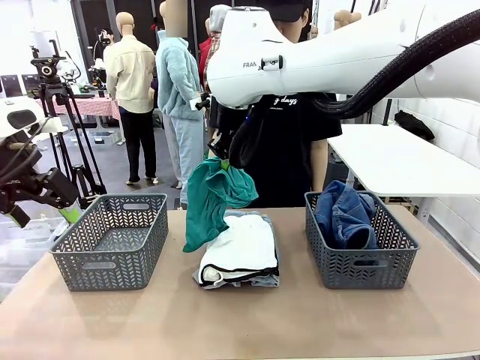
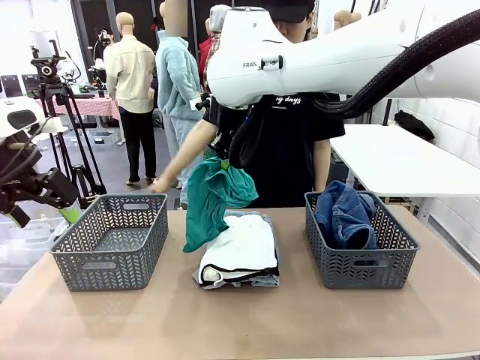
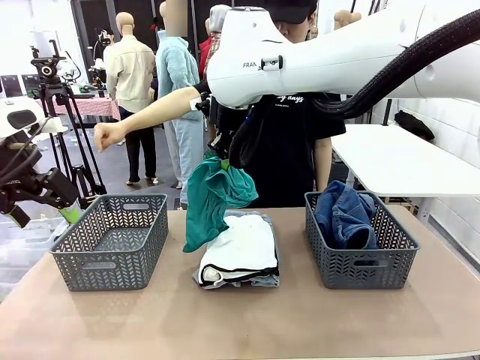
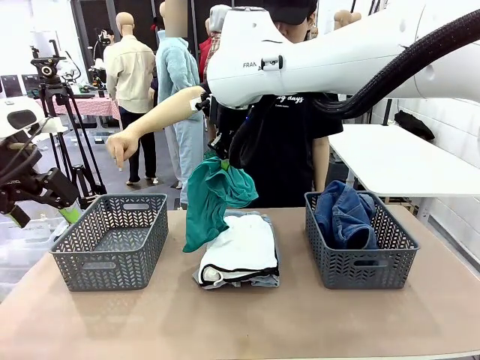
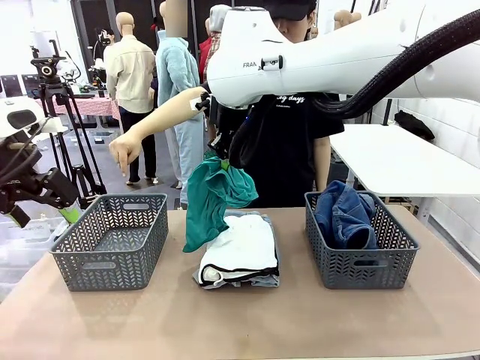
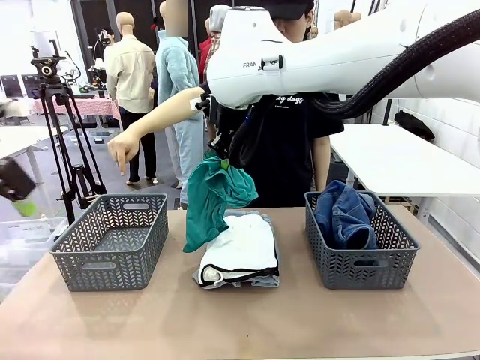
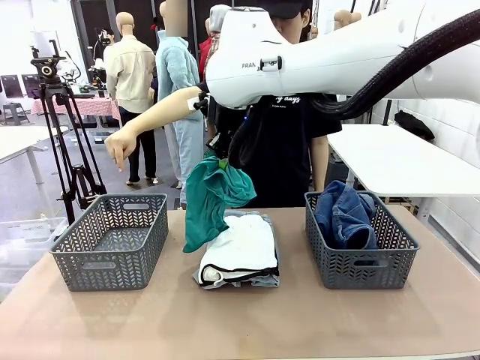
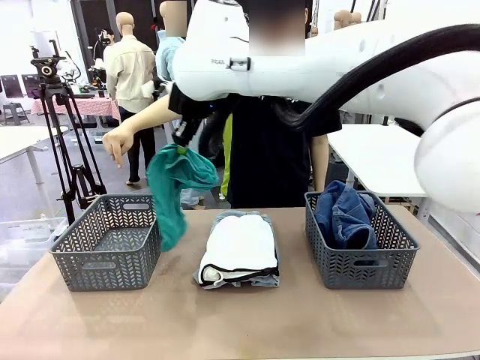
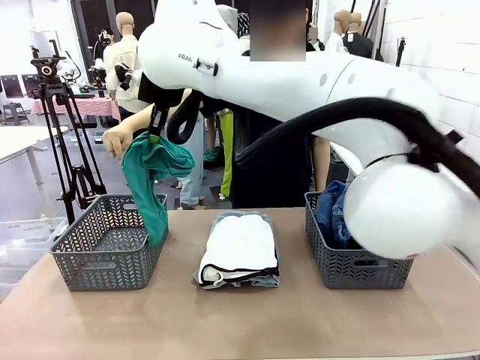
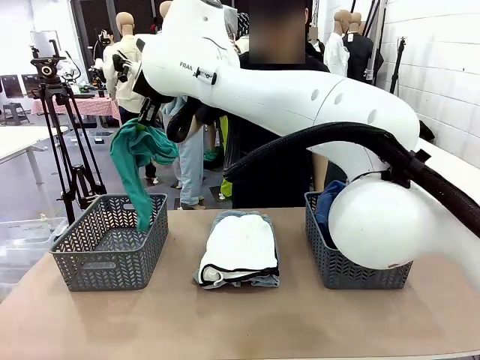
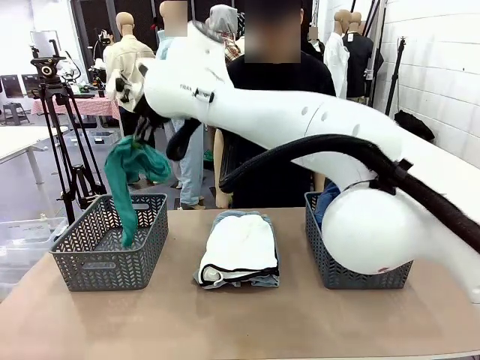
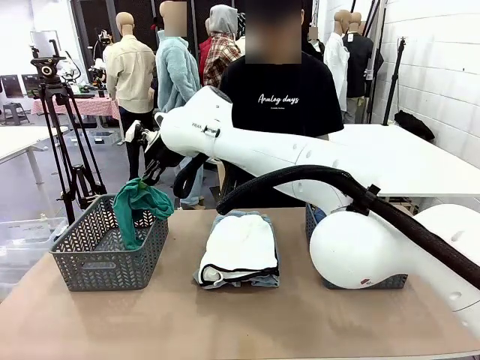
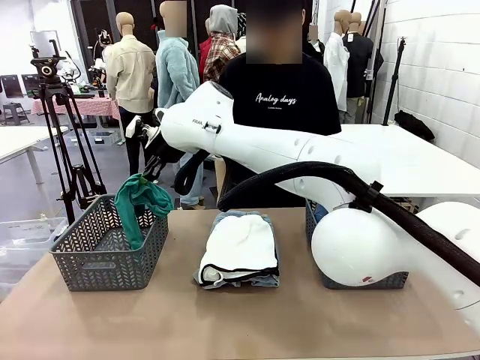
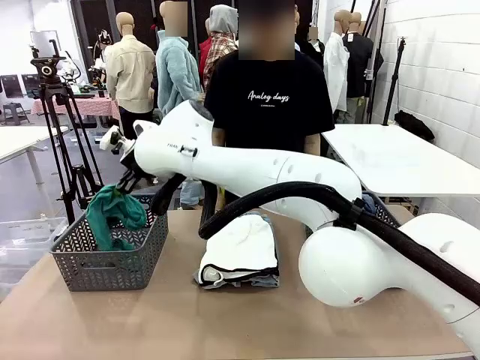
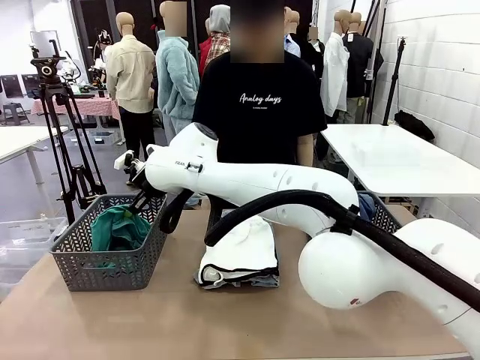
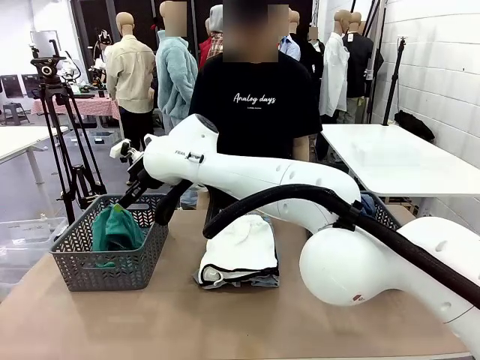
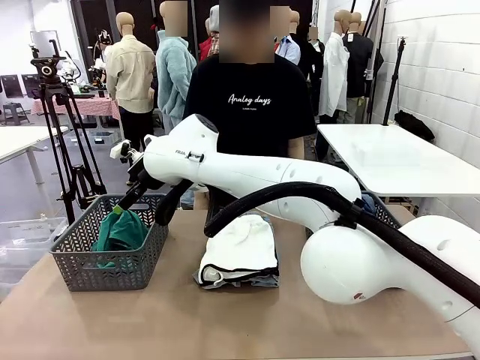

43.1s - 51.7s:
Task: Sort the tops and bottoms.
Robot: Sort the clothes according to human instructions.

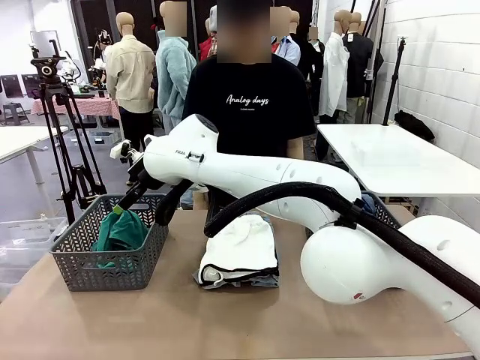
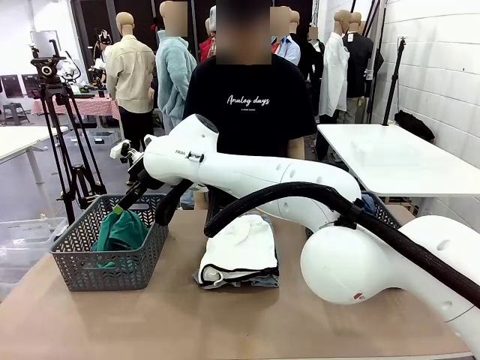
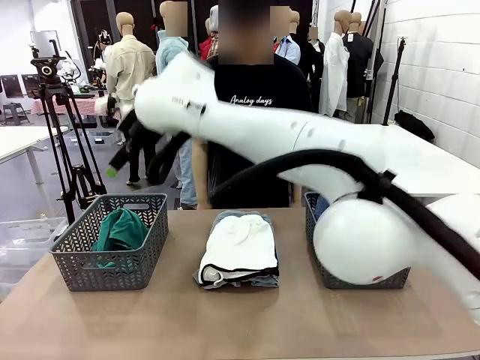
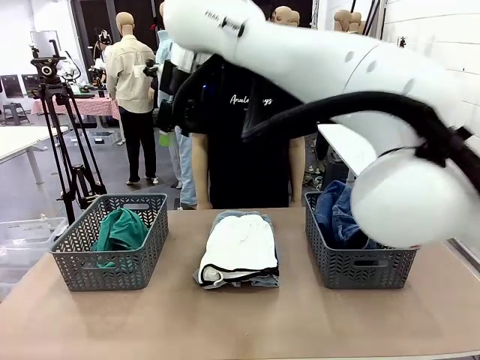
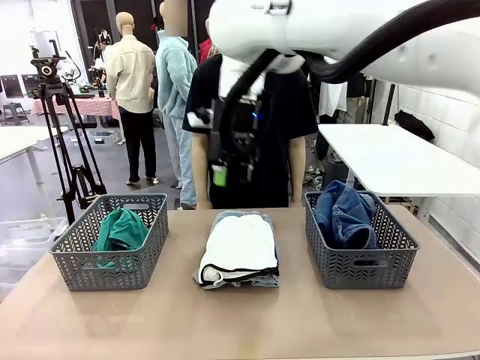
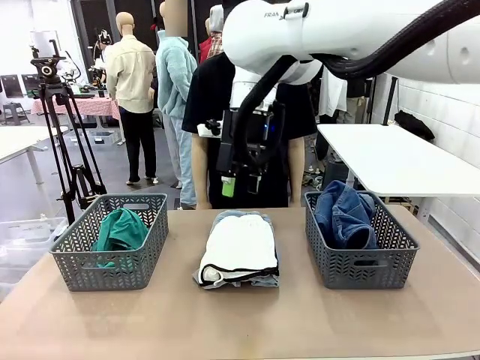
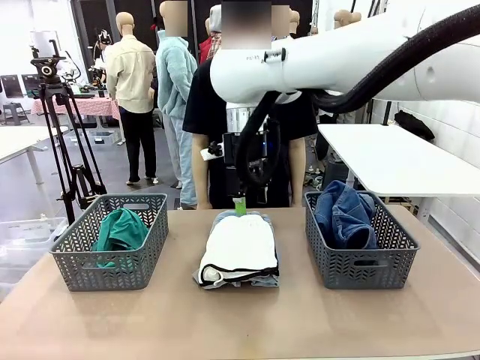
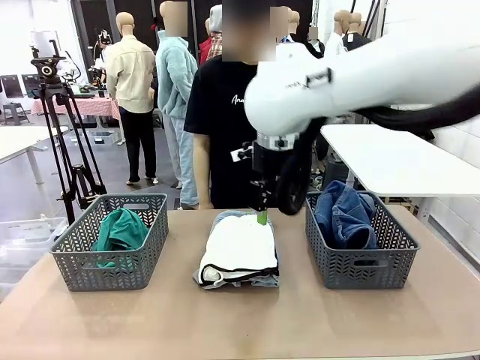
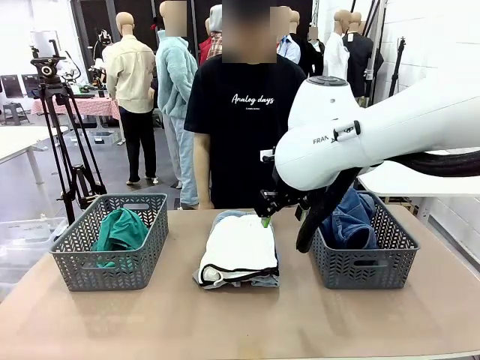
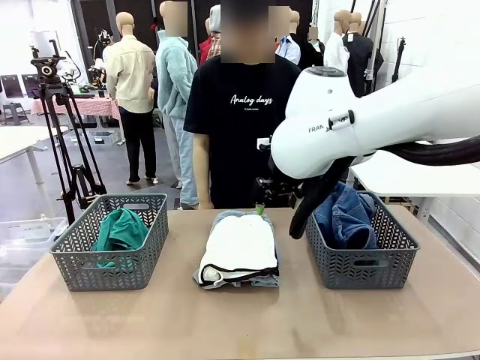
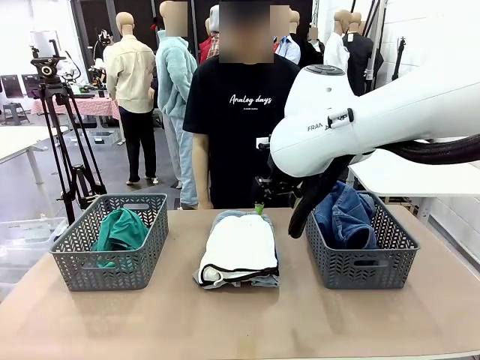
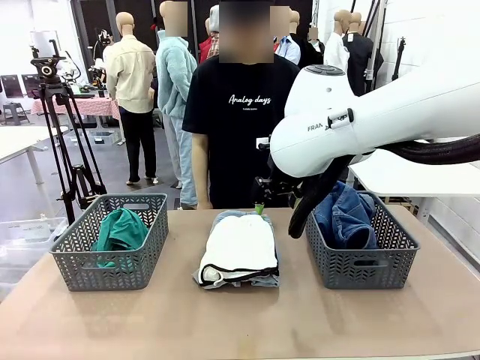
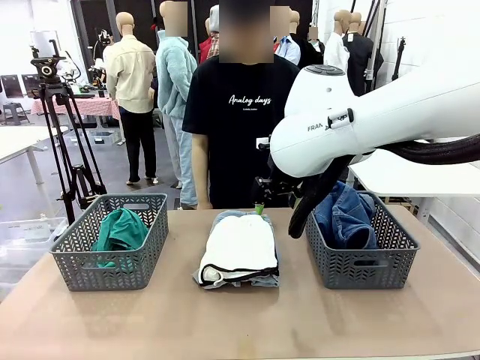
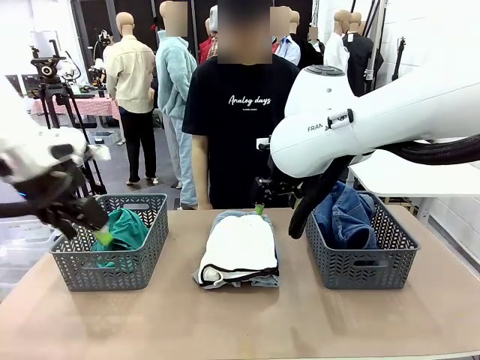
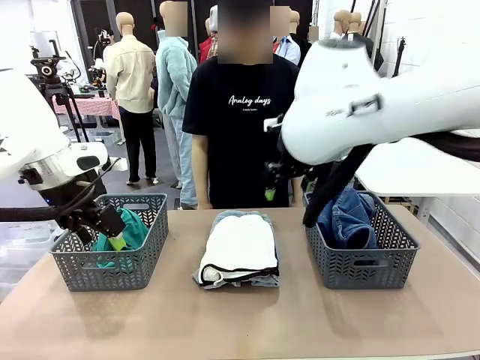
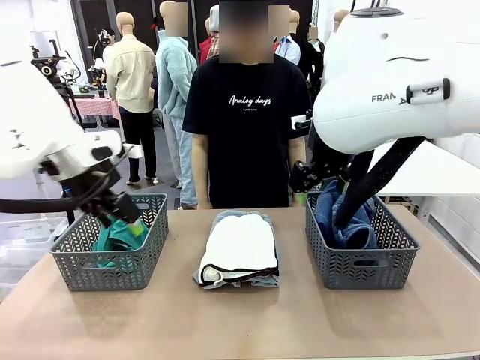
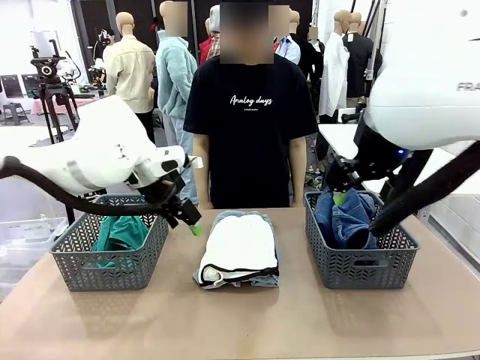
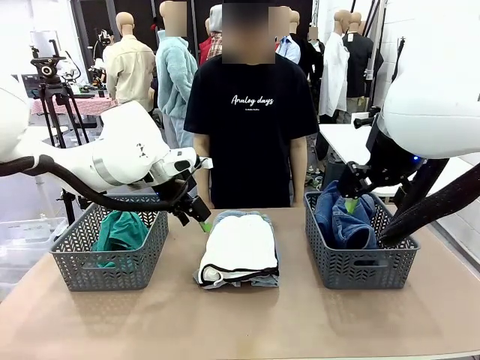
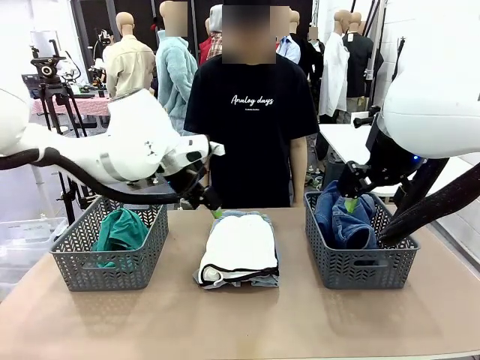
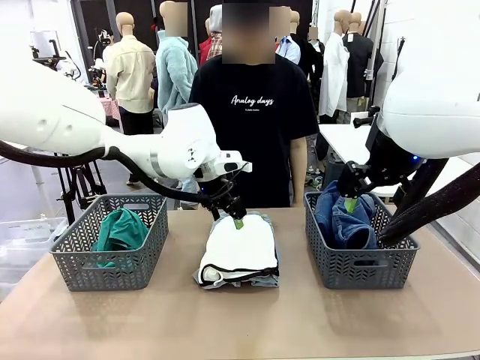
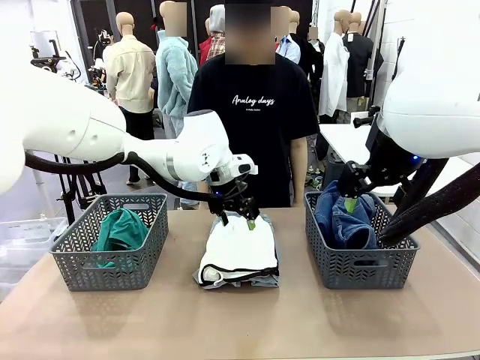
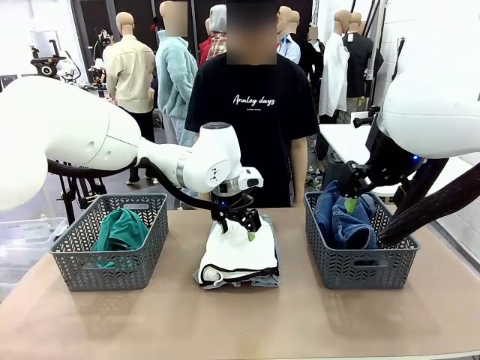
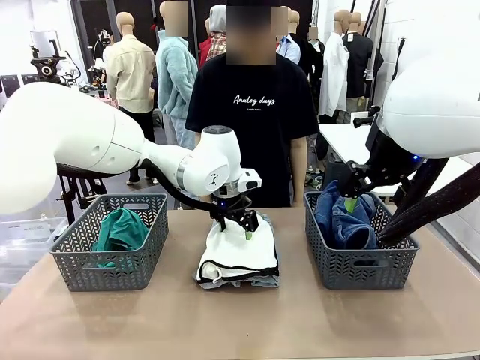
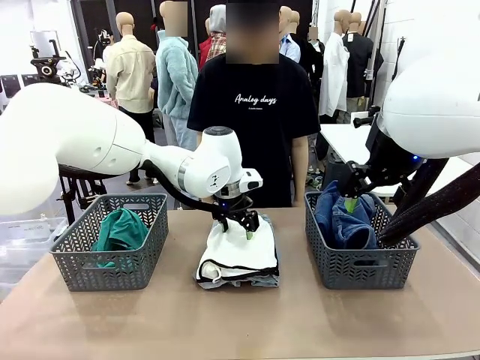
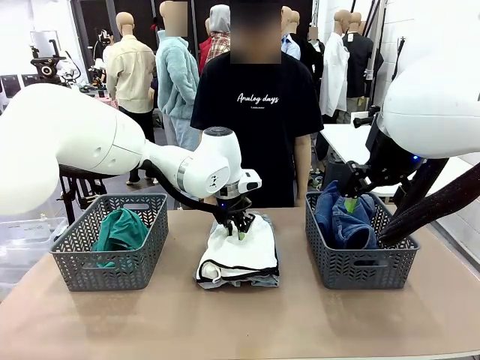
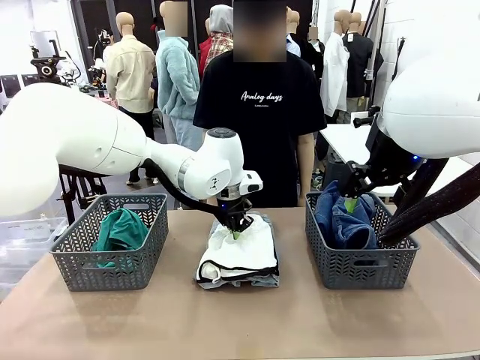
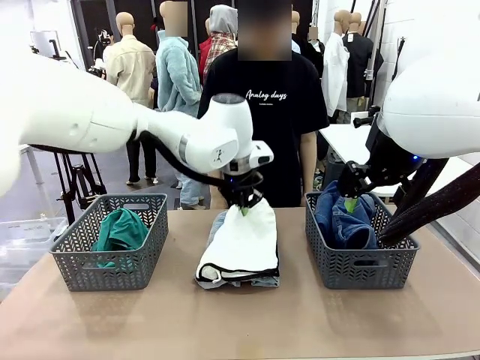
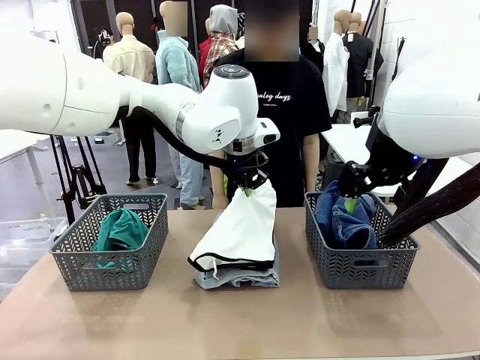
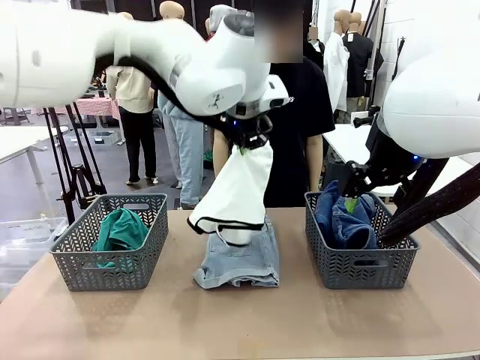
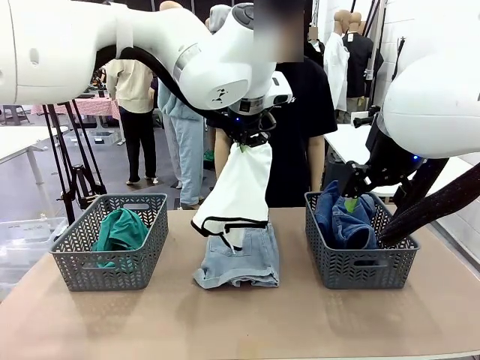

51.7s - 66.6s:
Robot: Lift clothes from the center of the table with your left hand.

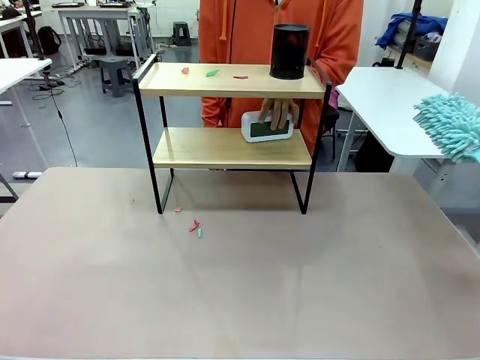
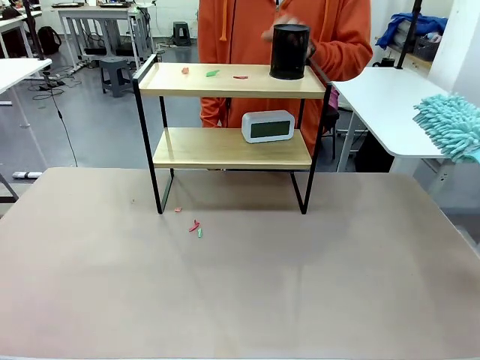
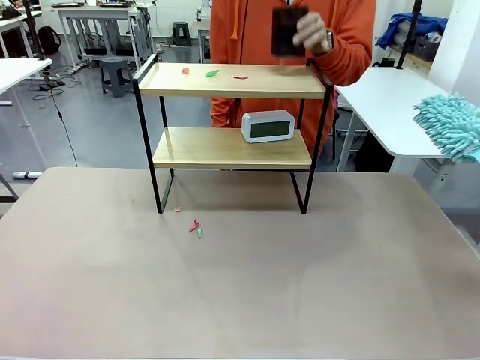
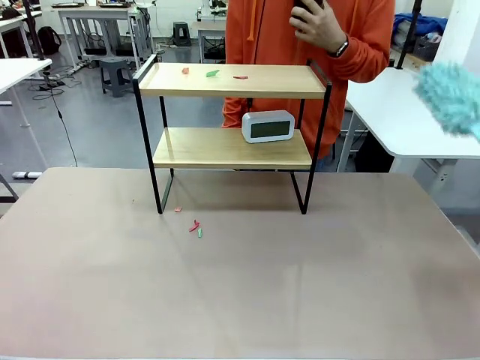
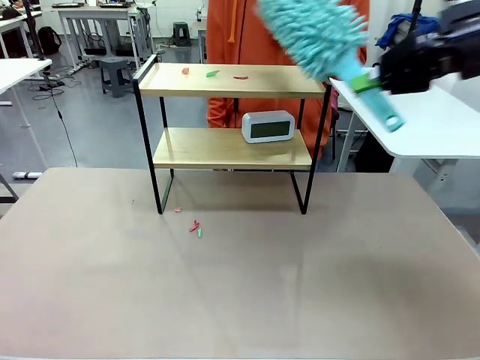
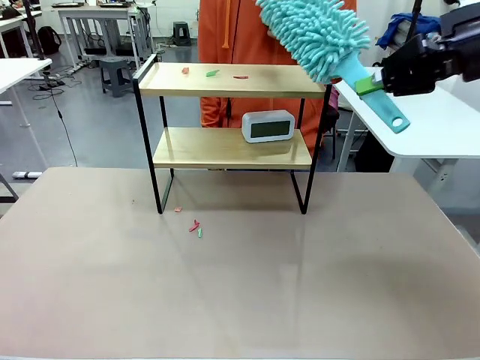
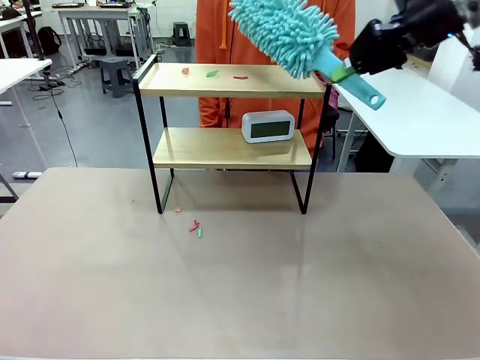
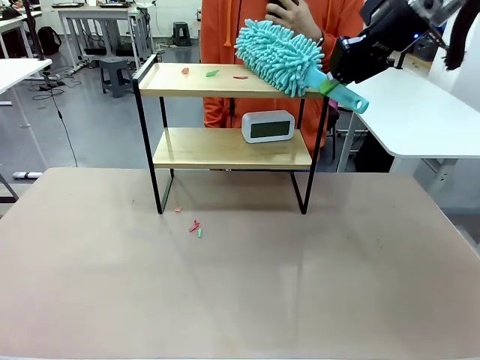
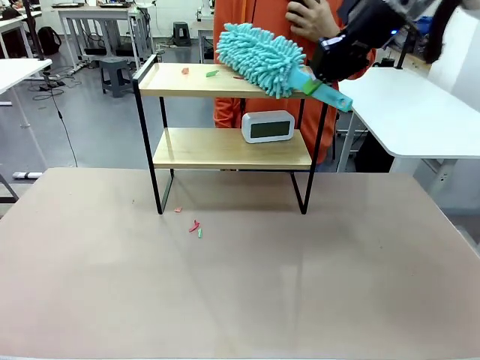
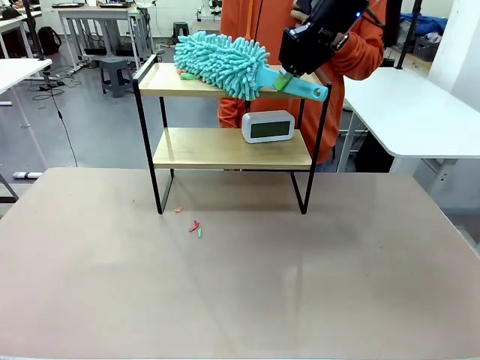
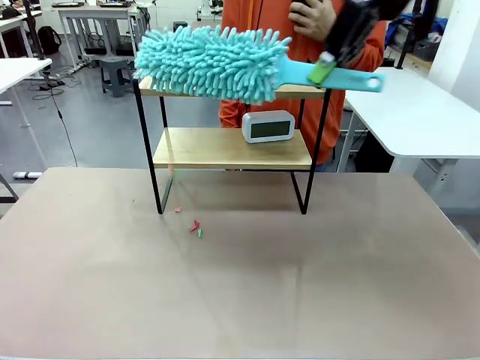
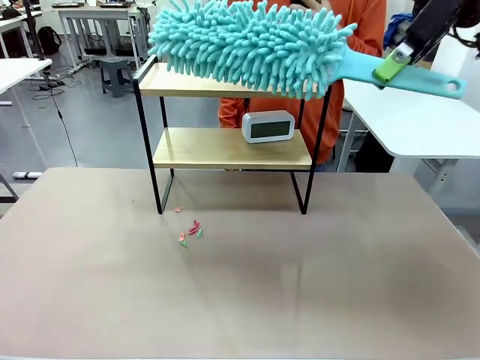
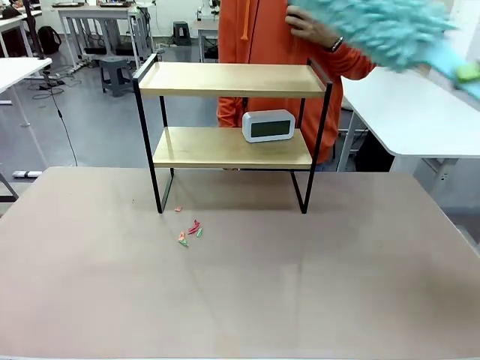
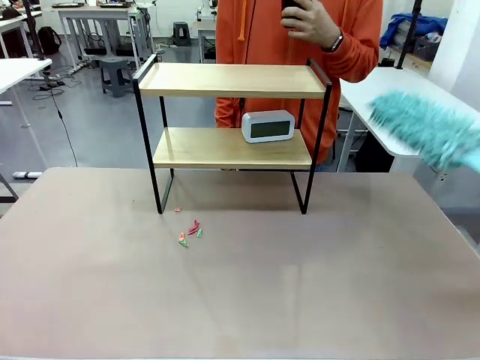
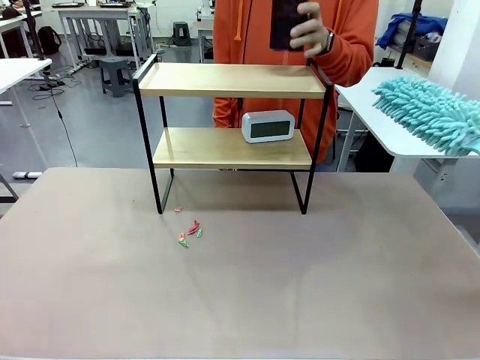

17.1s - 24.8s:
Task: Clean the shelf.
Robot: Clean the remaining tier of the Shelf with the Duster once objects are removed.
